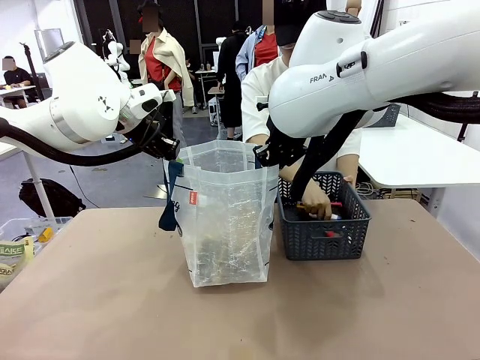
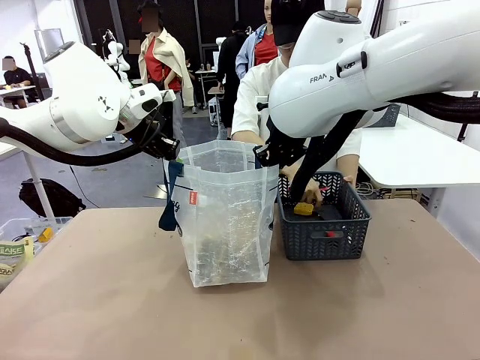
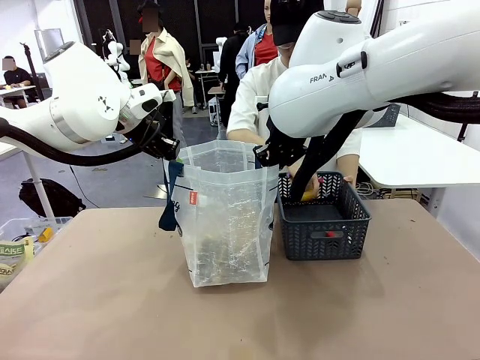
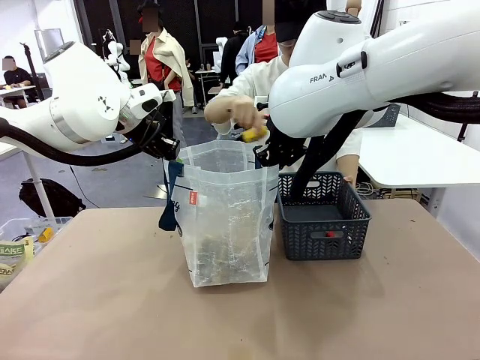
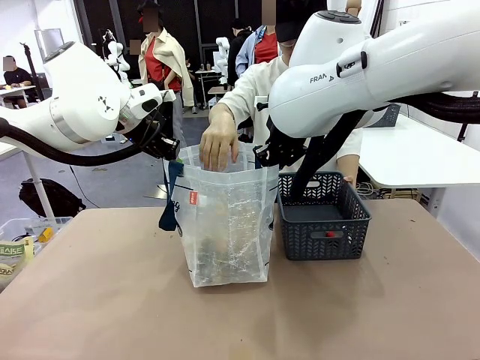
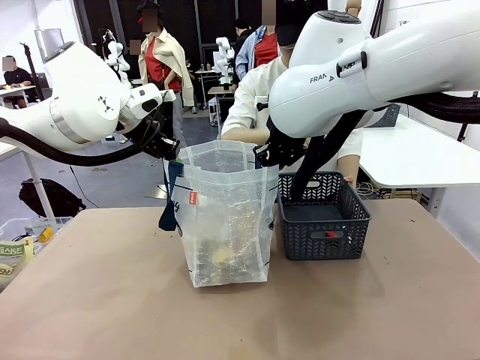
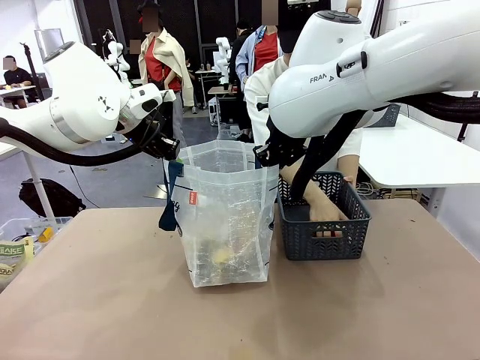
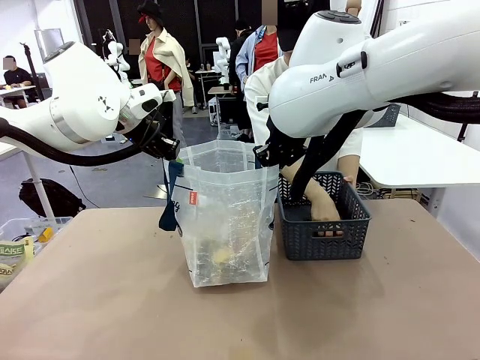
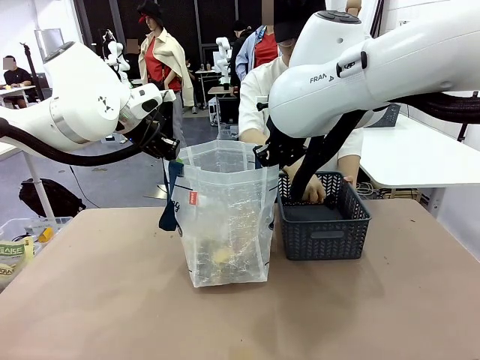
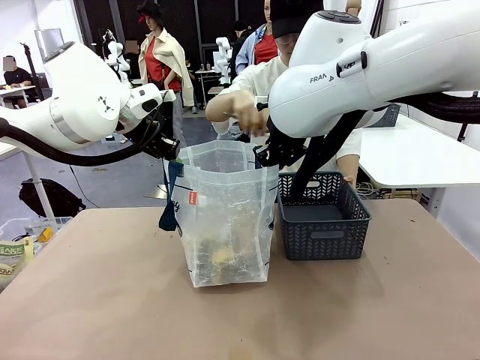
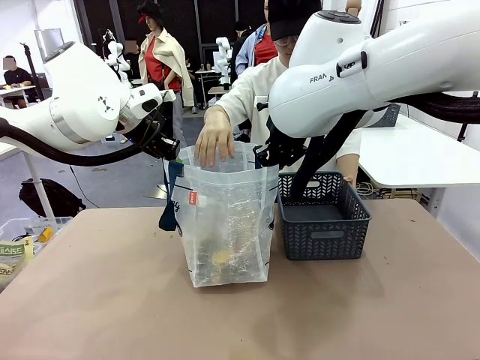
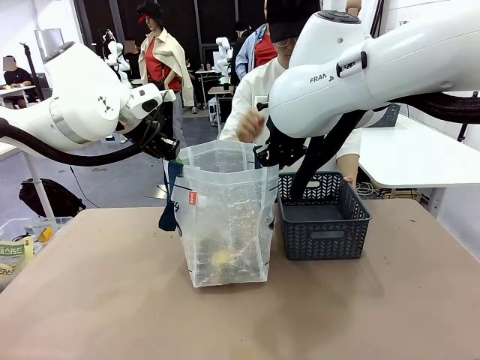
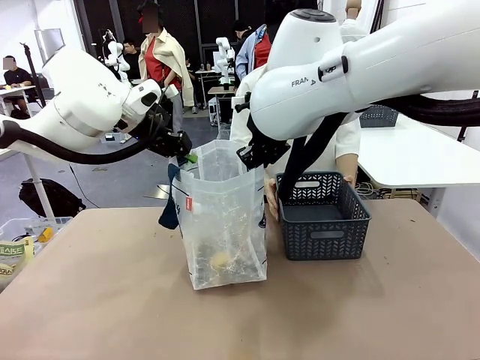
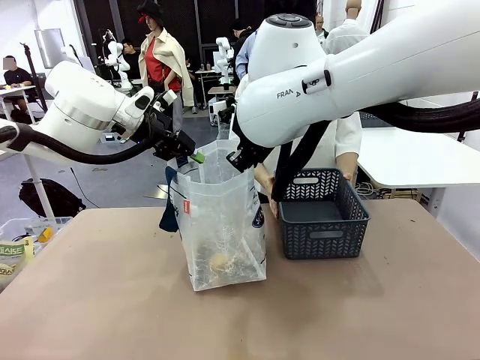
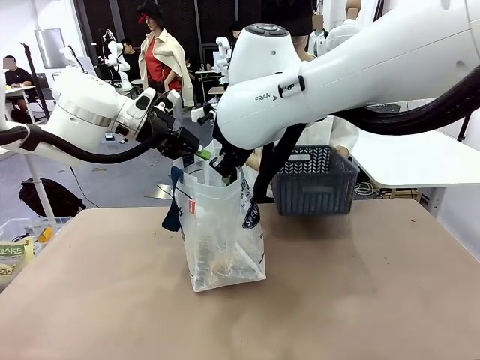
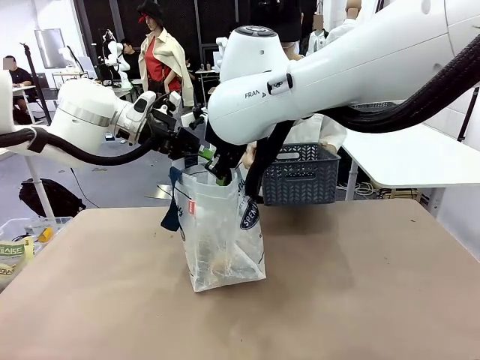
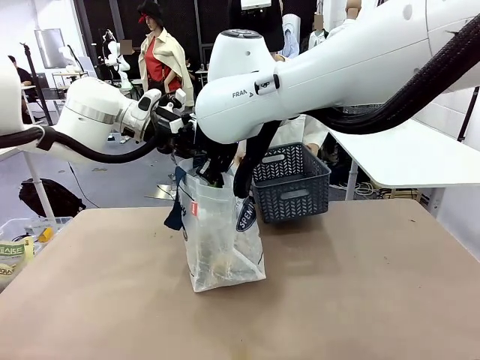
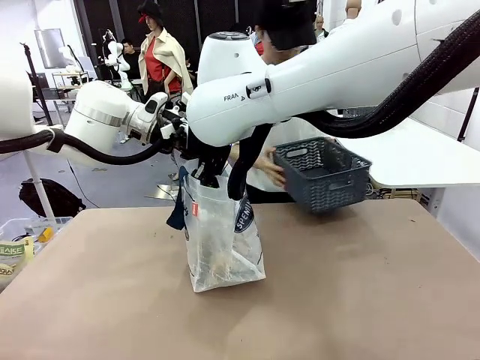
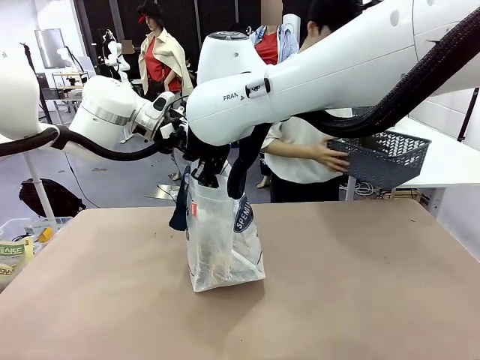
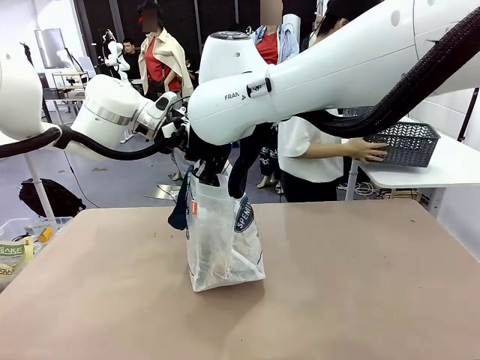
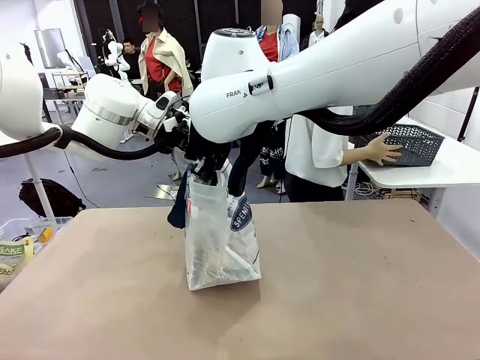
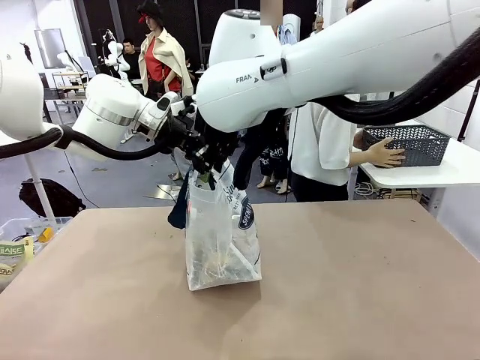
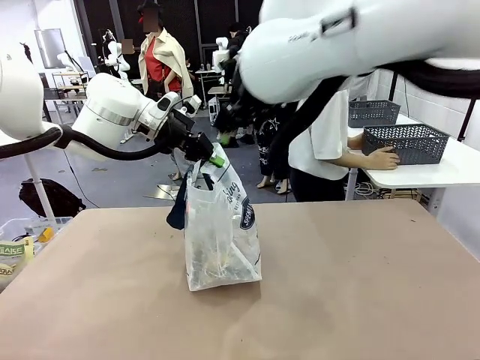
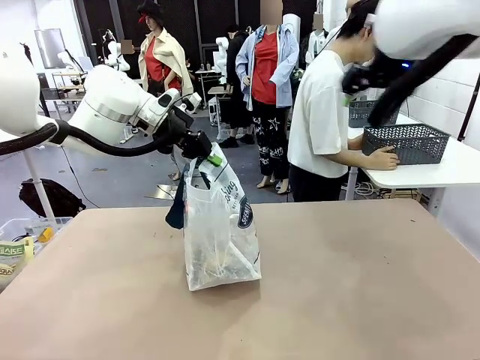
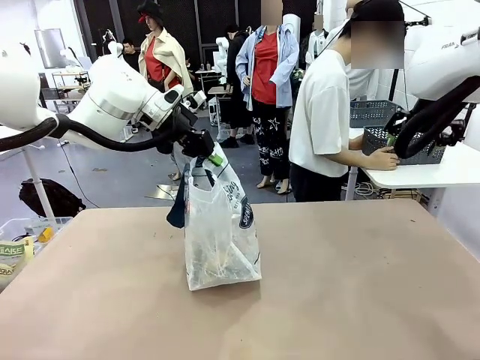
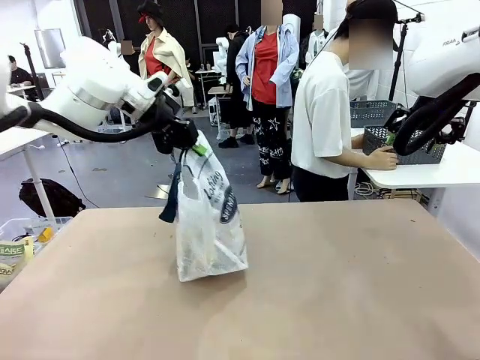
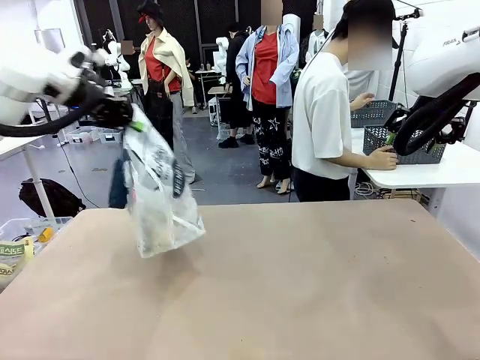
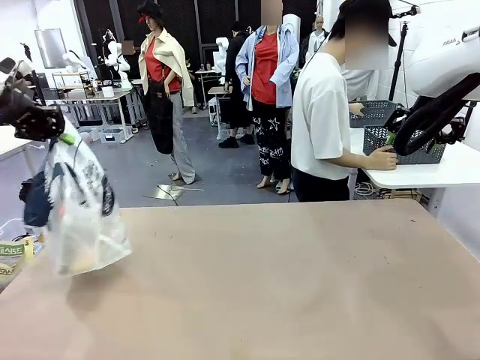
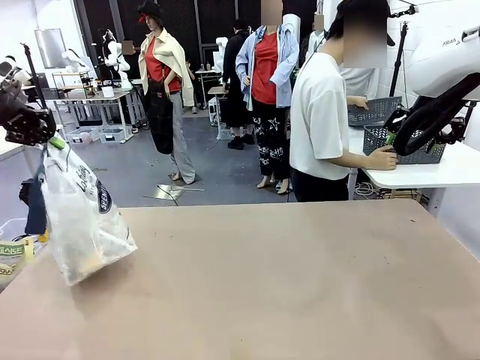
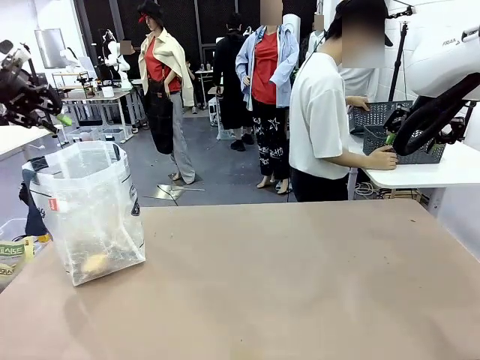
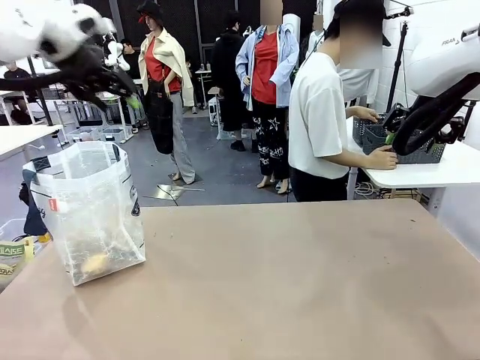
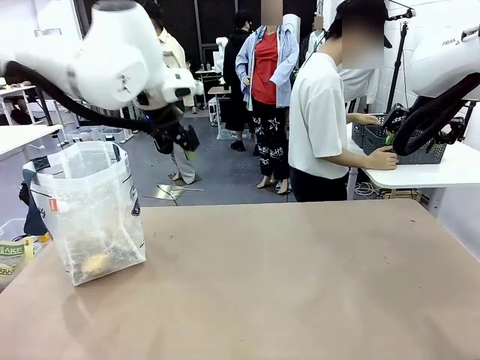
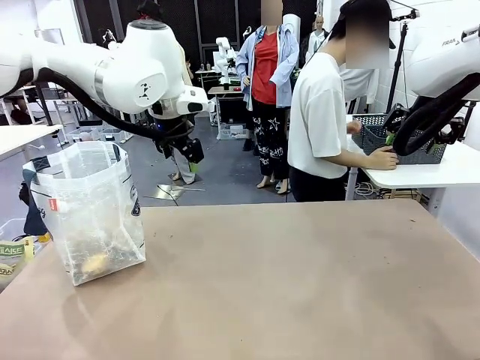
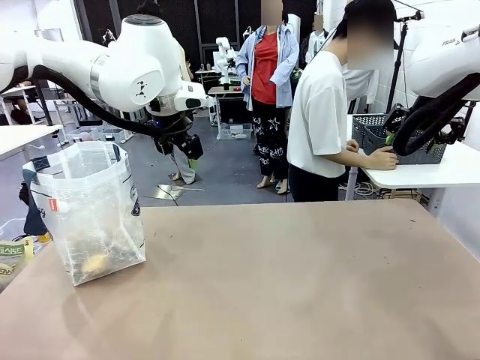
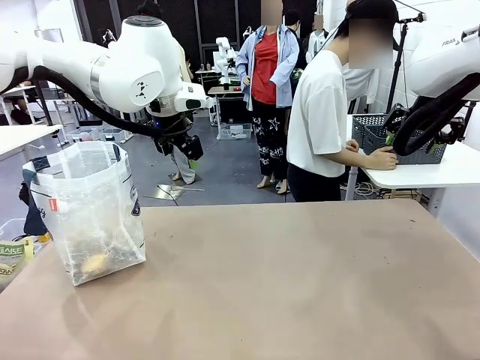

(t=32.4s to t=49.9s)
Task: Transfer purchased items from the store into the shopping bag.
Robot: Move the Reusable shopping bag to the right side of the table.
Person: Move the basket on the left to the middle of the person's table.

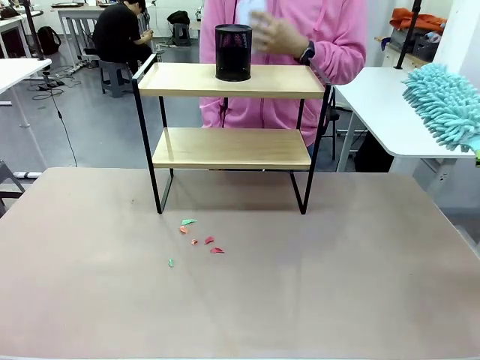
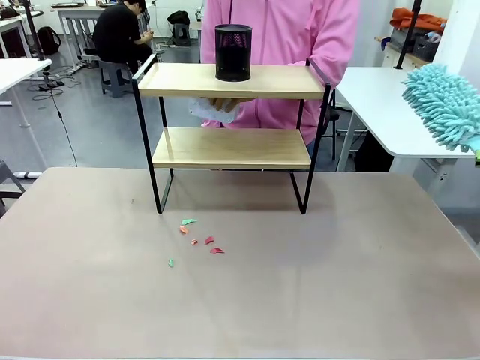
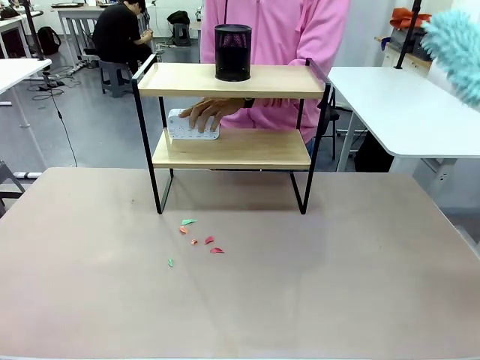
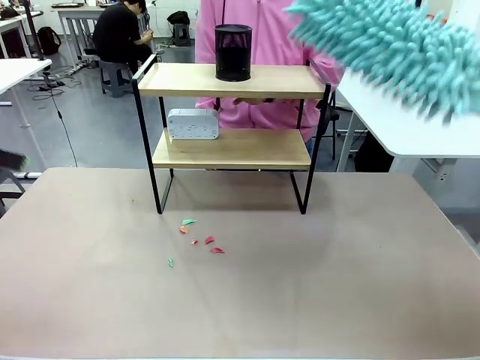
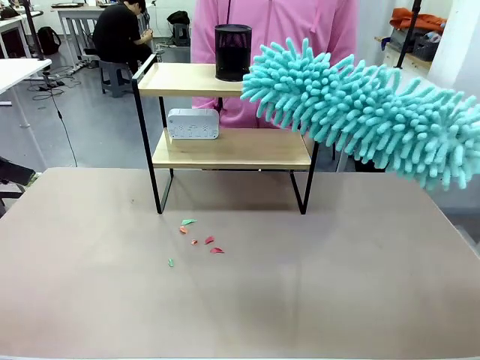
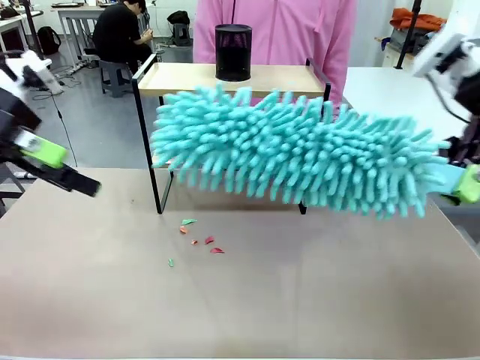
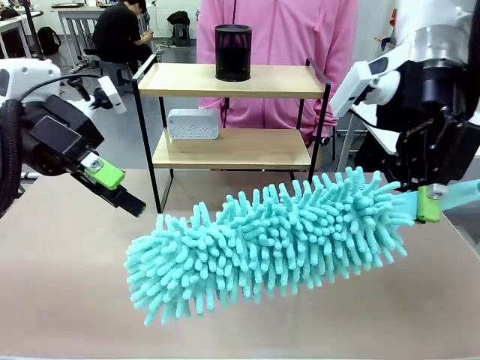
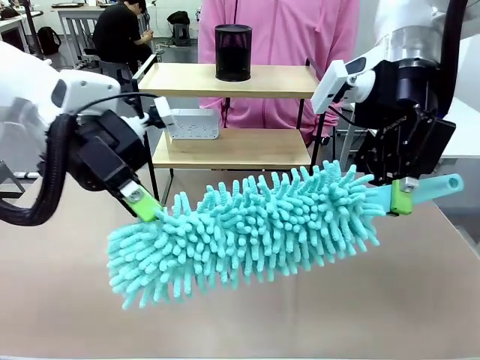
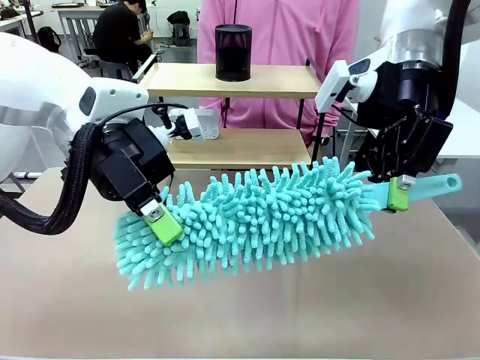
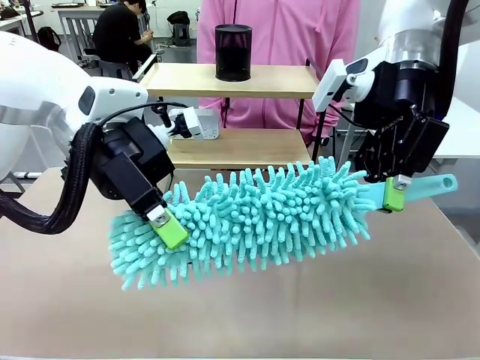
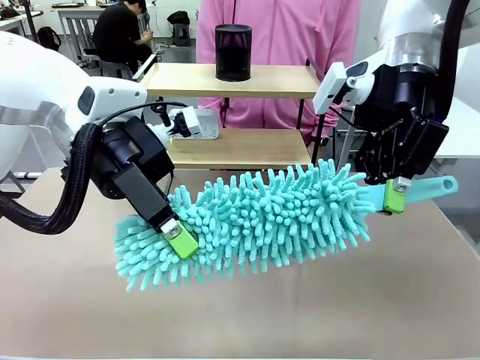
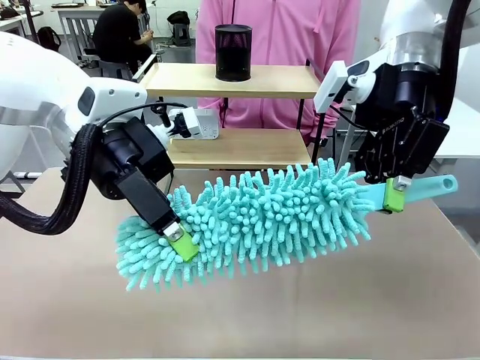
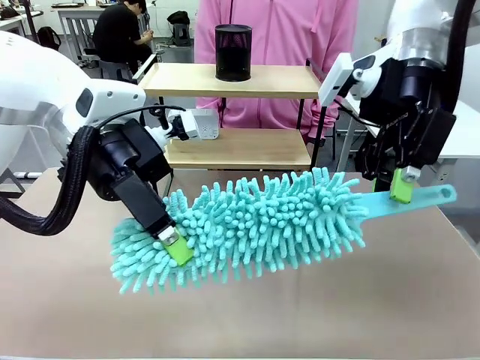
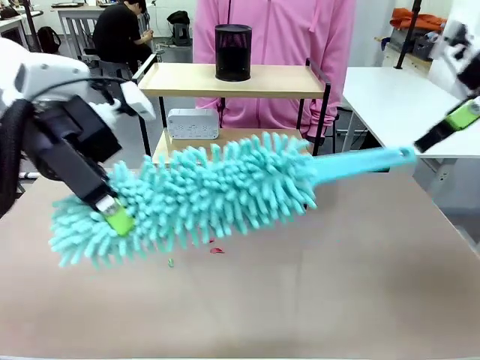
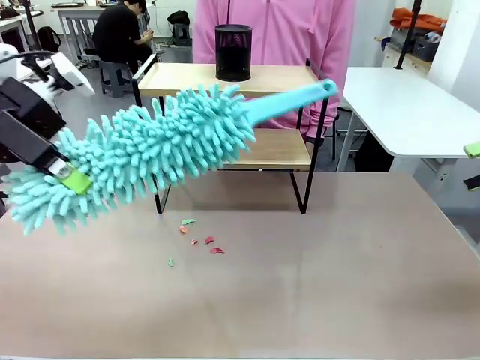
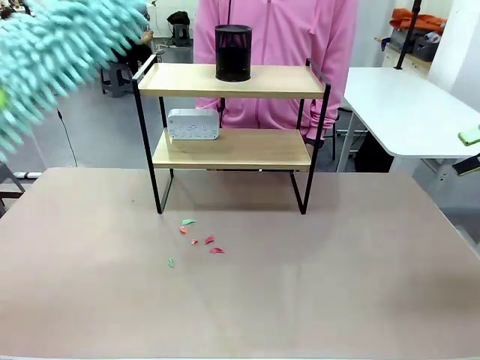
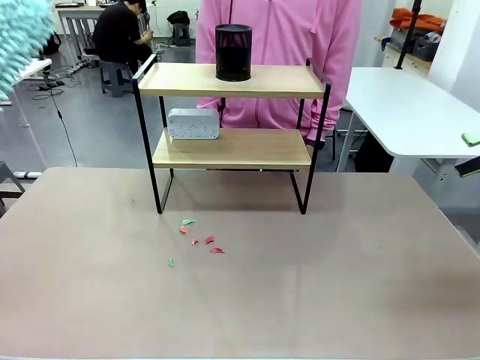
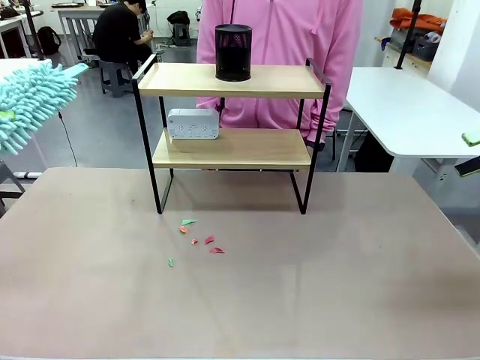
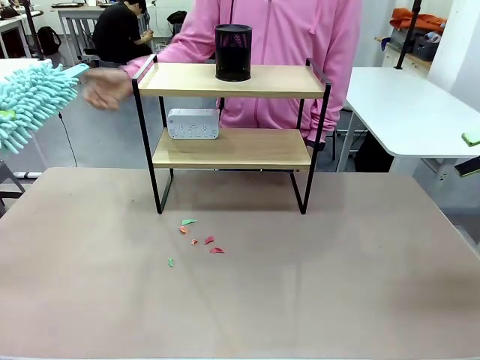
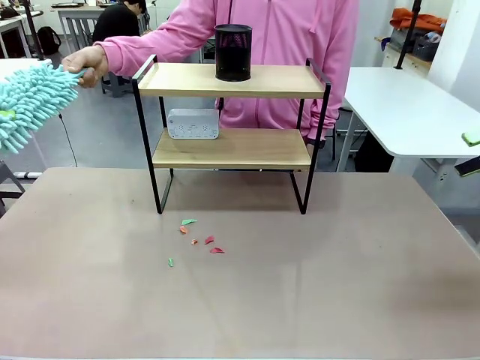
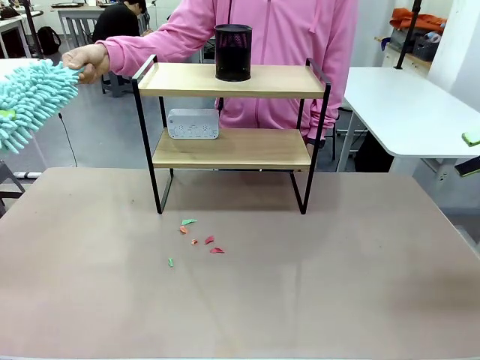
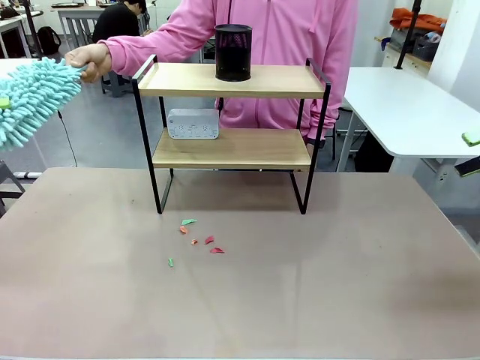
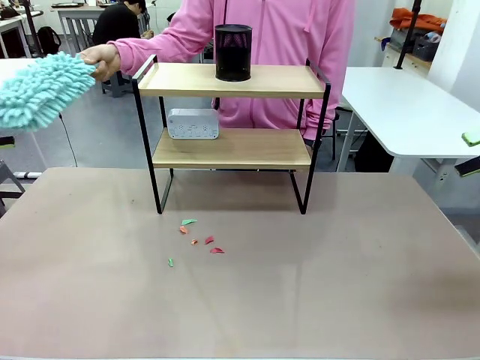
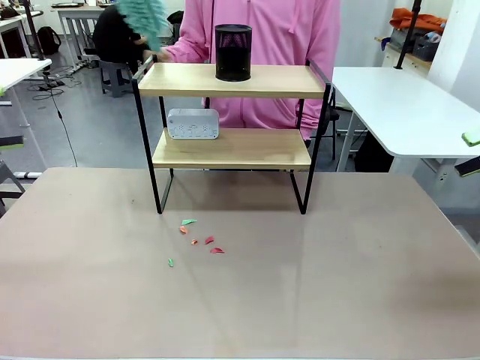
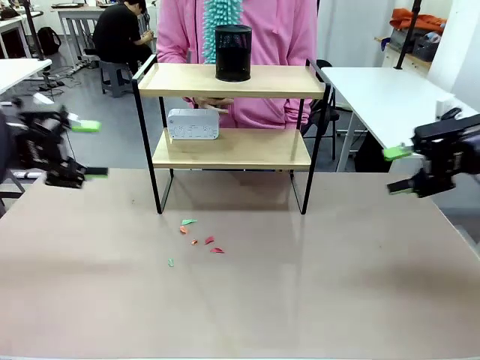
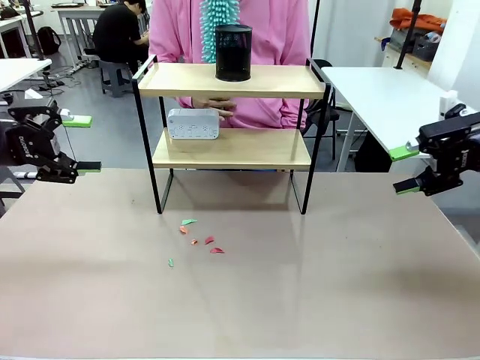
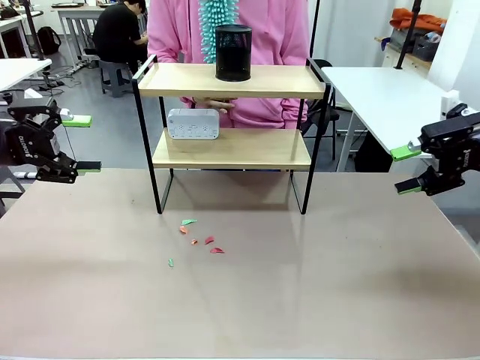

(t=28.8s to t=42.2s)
Task: Clean the shelf.
Robot: Hand the Duster back to the human.
Person: Receive the Duster from the robot.
